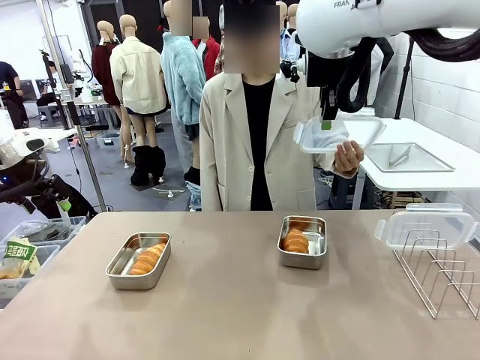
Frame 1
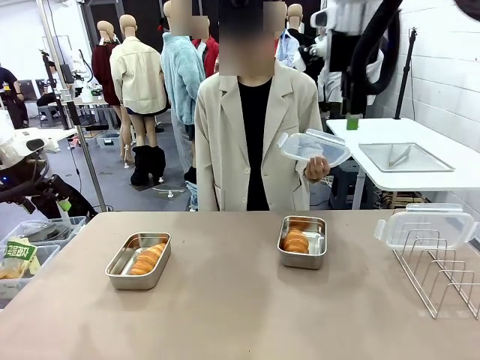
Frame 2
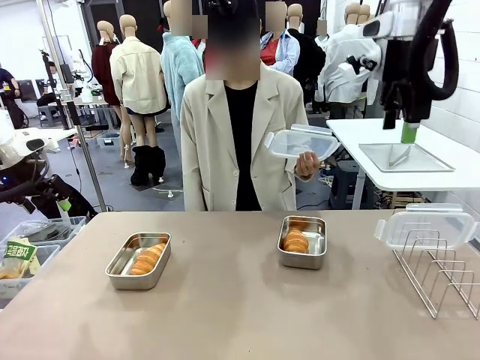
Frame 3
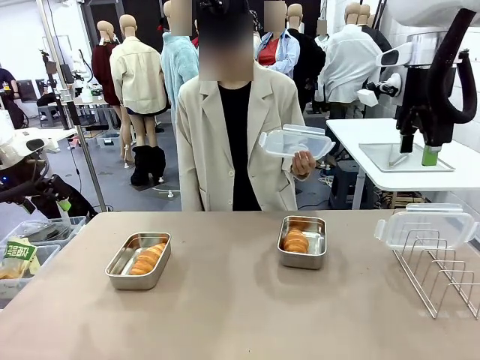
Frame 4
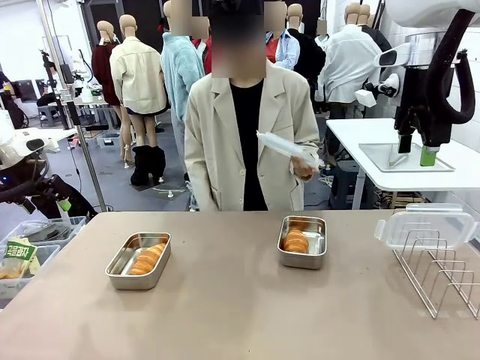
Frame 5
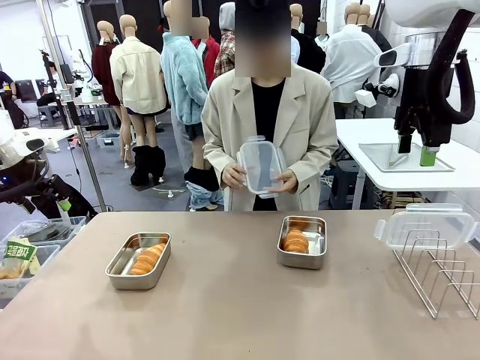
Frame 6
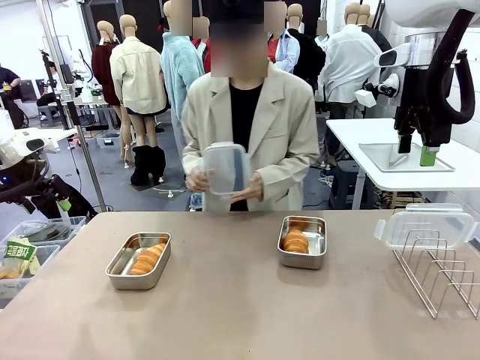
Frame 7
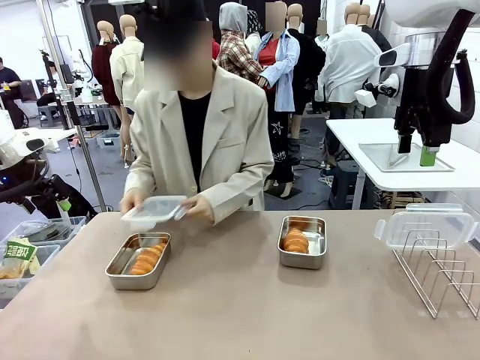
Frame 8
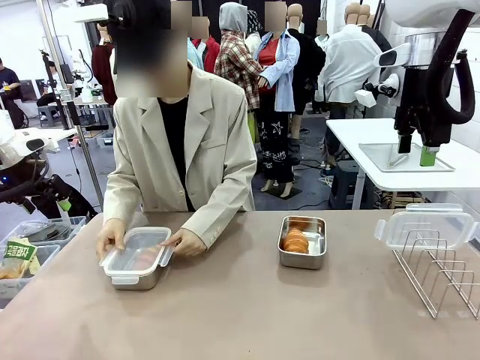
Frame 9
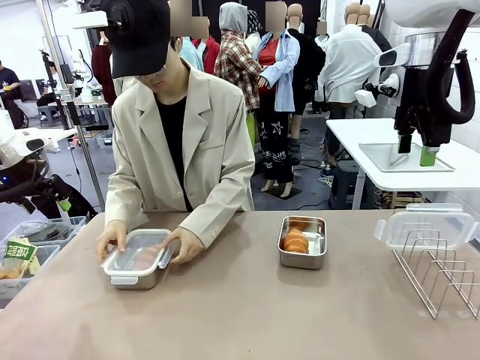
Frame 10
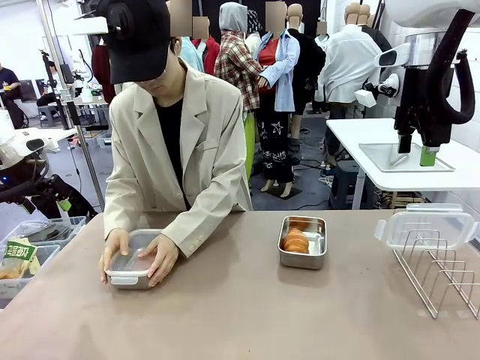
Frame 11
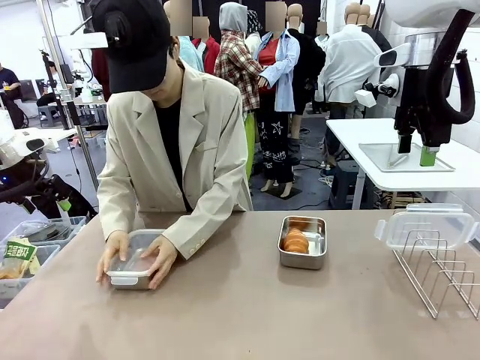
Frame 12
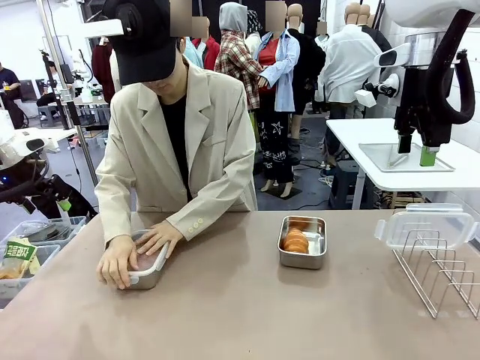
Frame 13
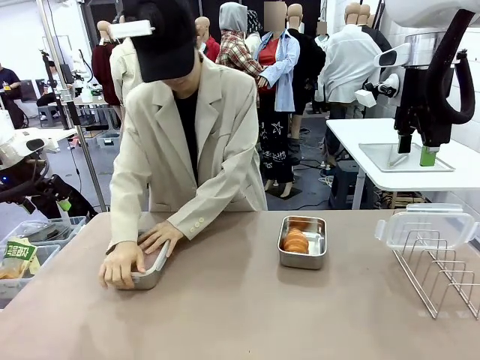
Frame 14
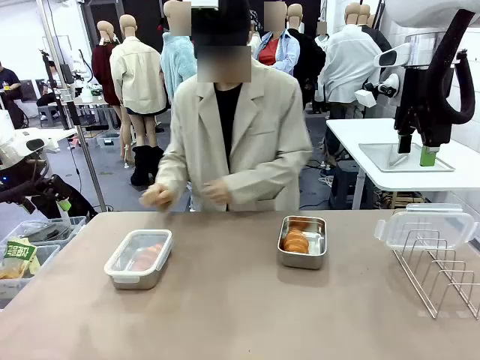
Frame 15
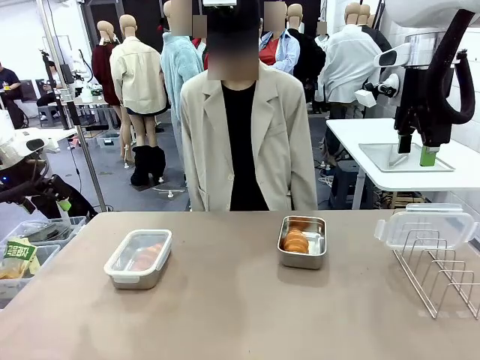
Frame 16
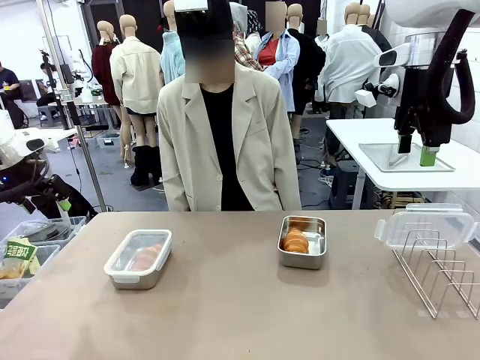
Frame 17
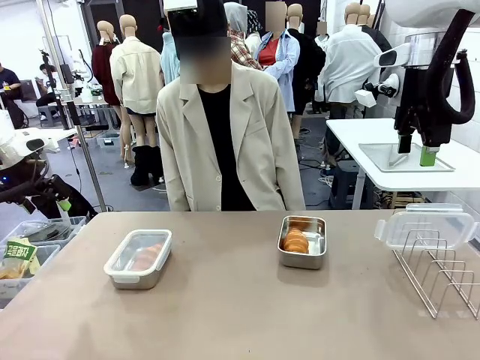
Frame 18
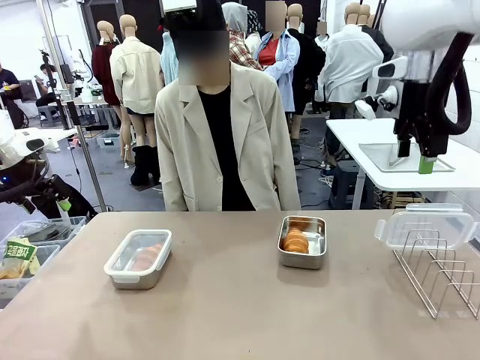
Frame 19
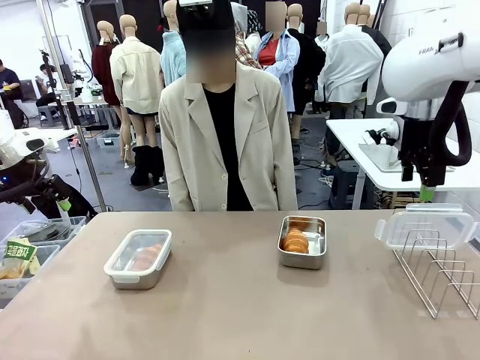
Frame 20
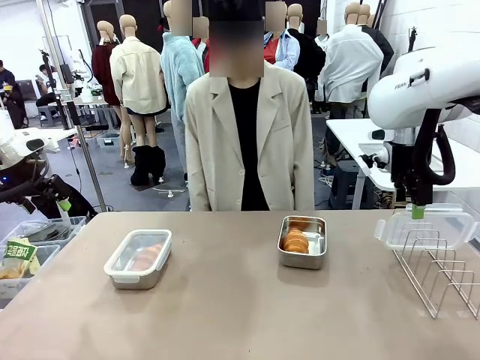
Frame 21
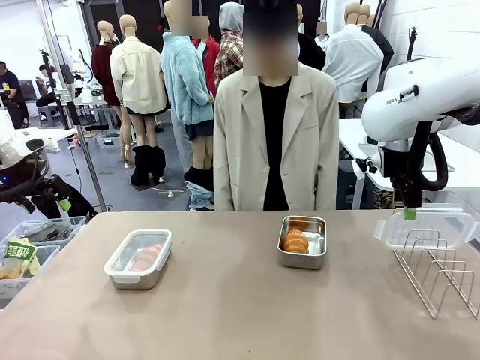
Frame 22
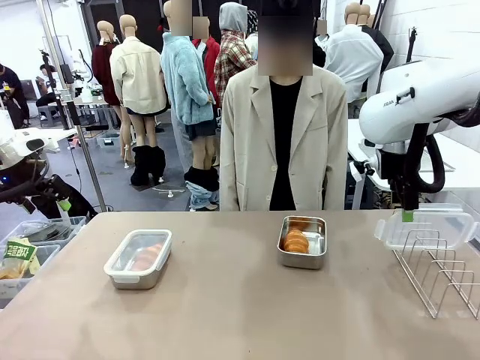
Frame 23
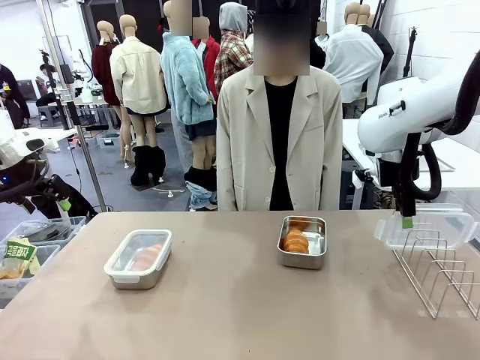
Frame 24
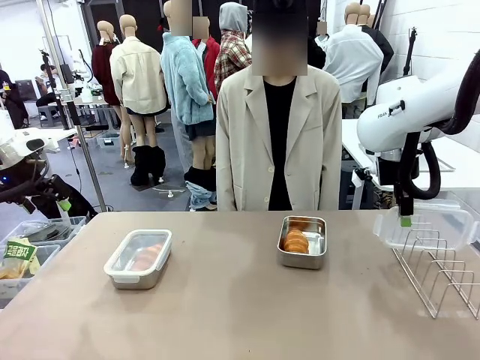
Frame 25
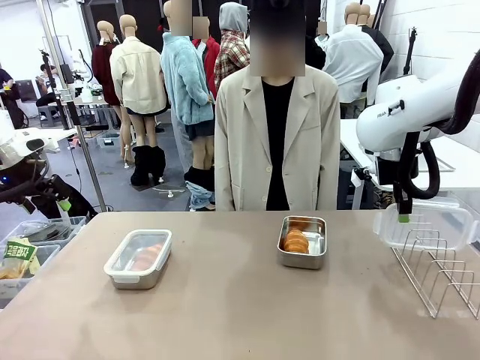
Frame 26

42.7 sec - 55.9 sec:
Task: Place the bread in airtight containers.
Robot: Pick up one Airtight Container lid and hand it to the human.
Person: Close Airtight Container with a handed Airtight Container lid. Grip Airtight Container lid that robot is handing.

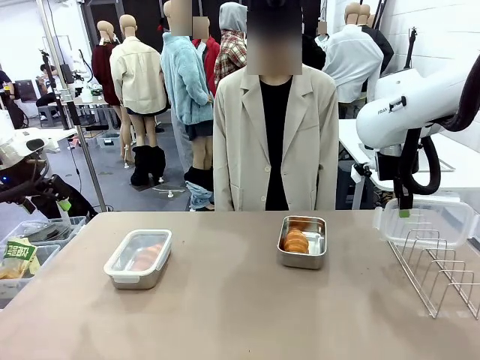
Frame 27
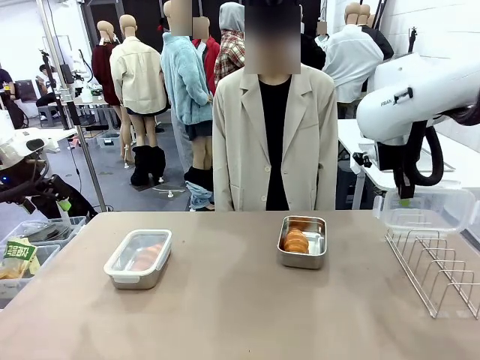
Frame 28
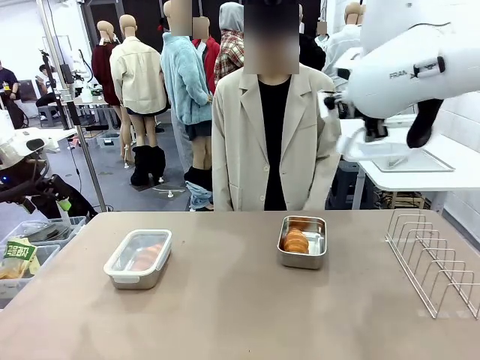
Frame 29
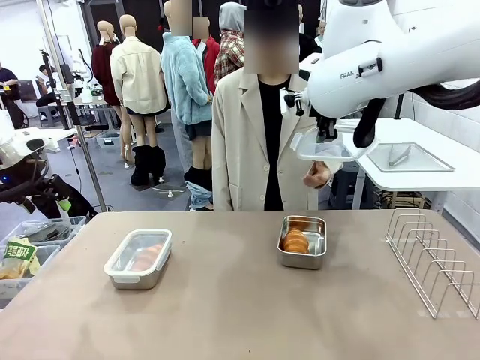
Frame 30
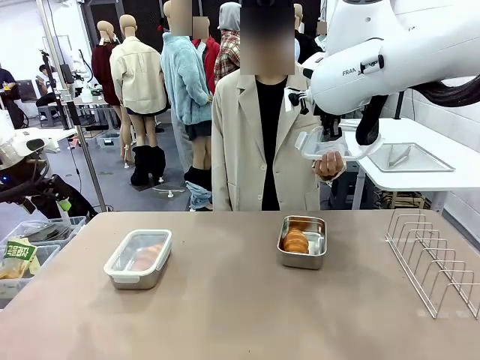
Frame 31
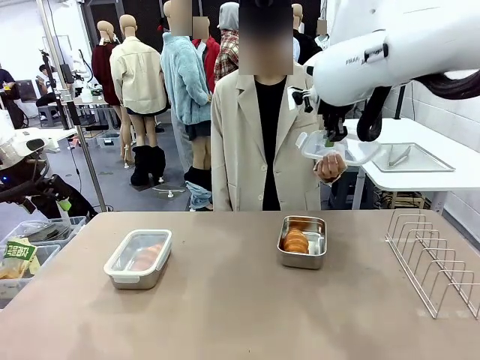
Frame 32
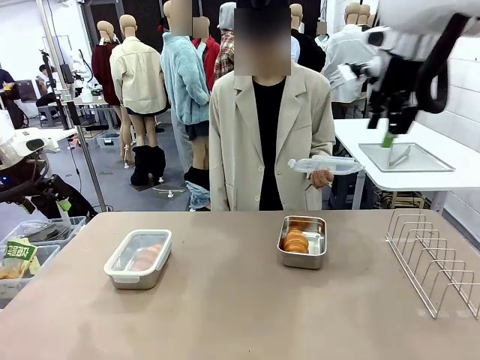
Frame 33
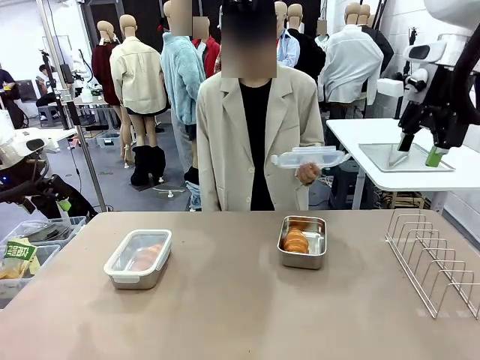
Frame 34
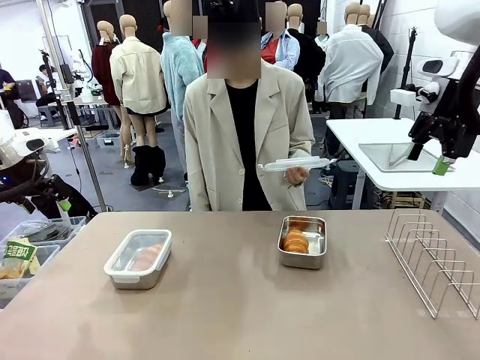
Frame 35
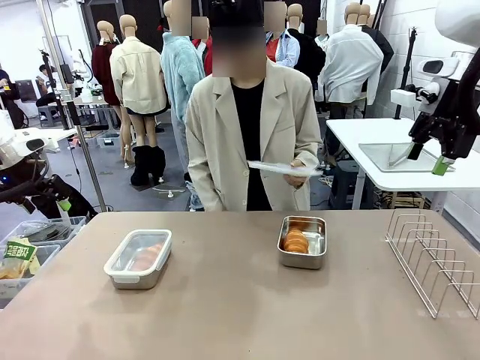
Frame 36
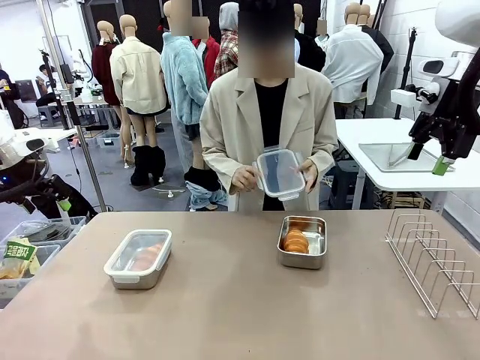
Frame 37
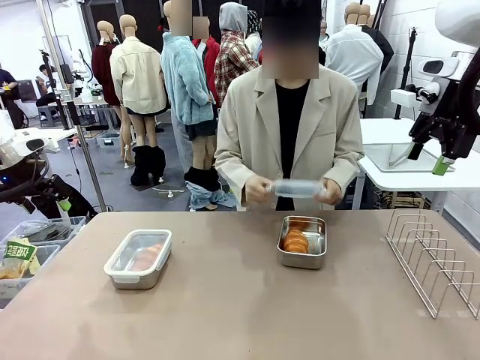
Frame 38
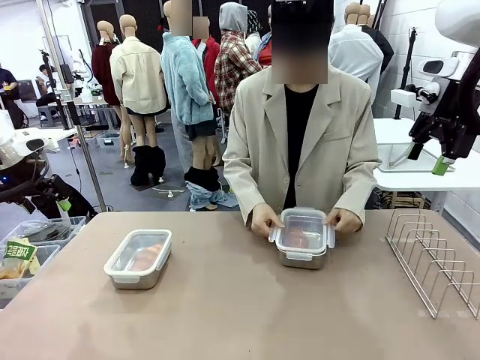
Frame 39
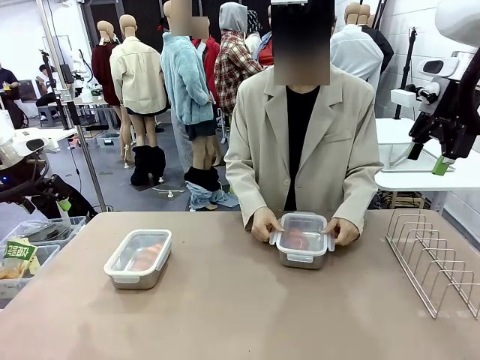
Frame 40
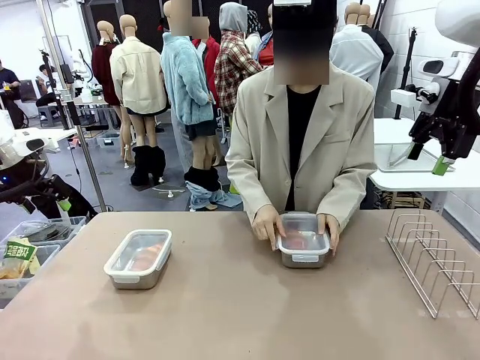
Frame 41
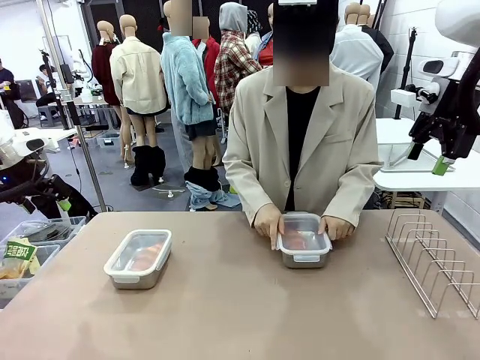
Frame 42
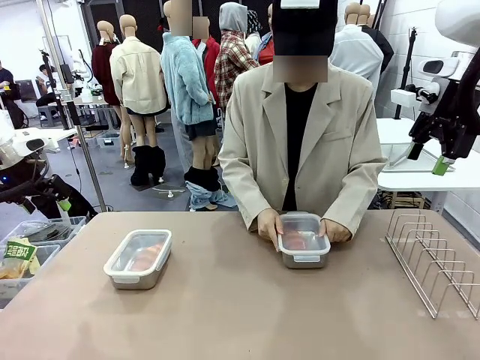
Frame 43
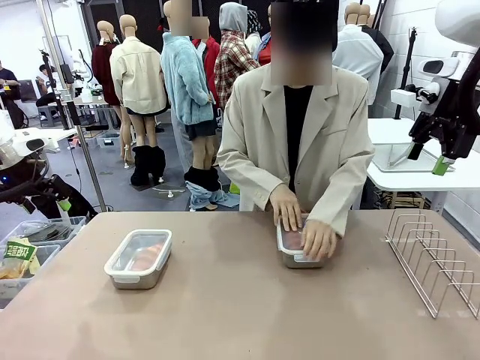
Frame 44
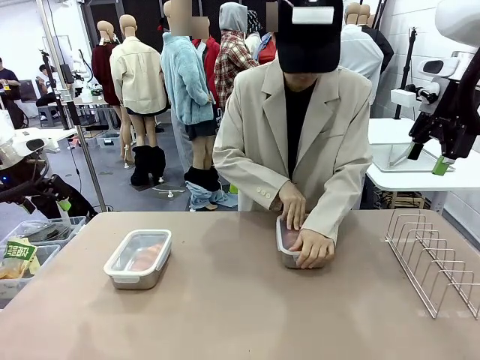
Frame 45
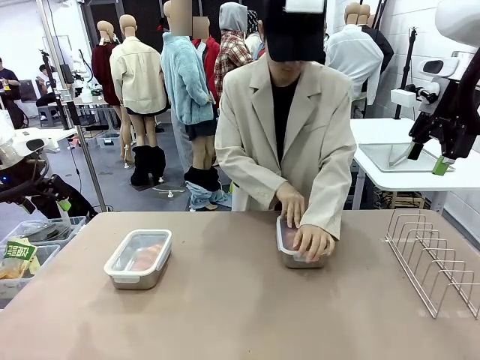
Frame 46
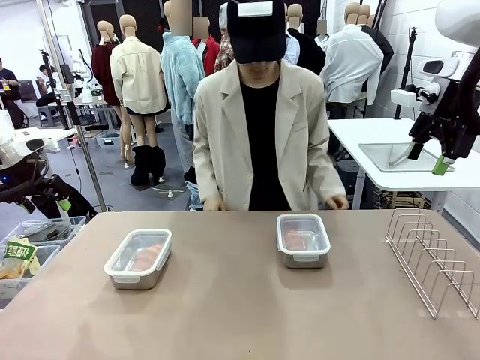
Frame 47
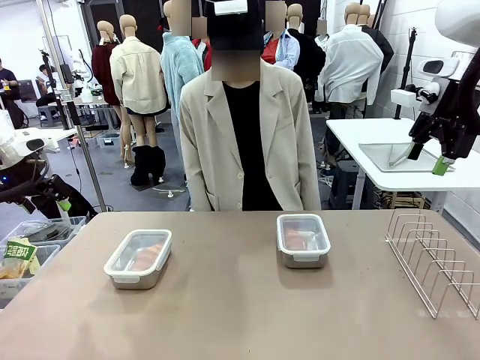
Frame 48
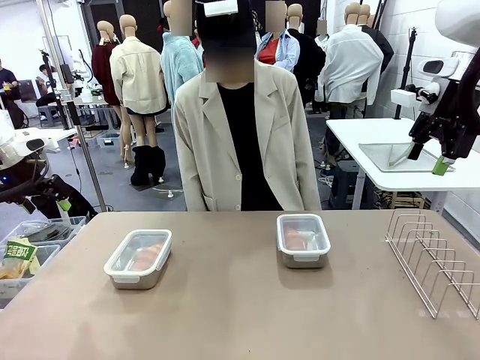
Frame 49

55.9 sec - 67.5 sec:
Robot: Release when the human grabs the Airtight Container lid.
Person: Close Airtight Container with a handed Airtight Container lid.
